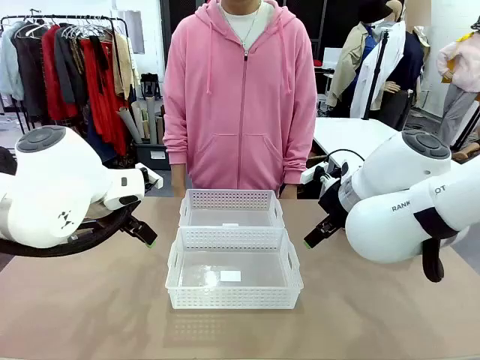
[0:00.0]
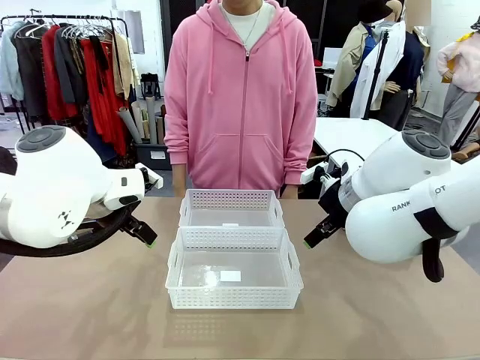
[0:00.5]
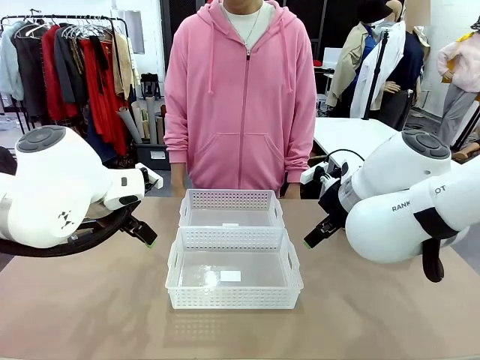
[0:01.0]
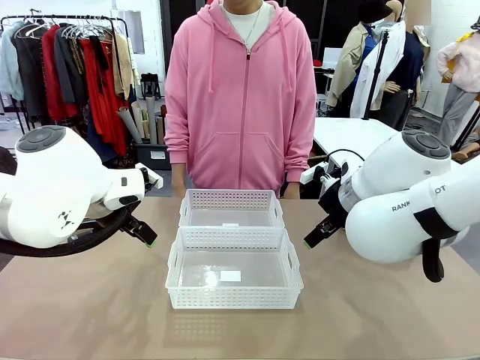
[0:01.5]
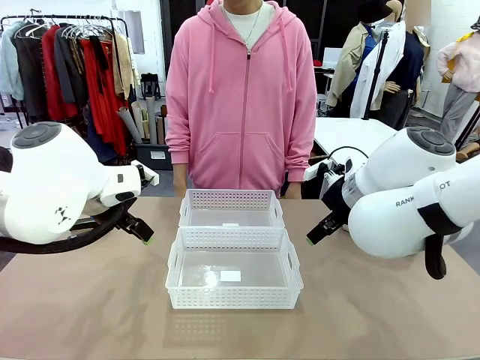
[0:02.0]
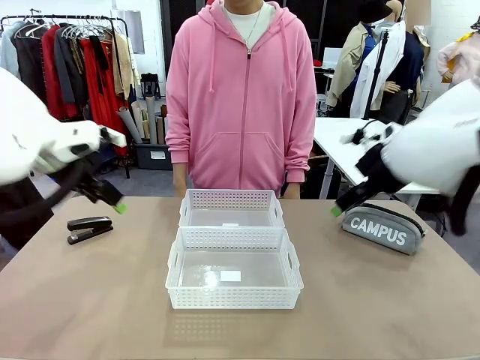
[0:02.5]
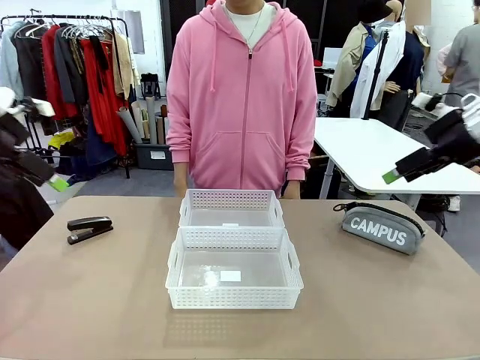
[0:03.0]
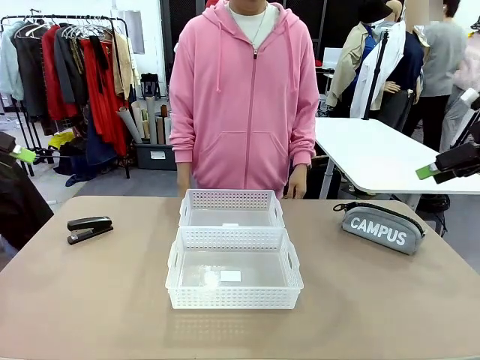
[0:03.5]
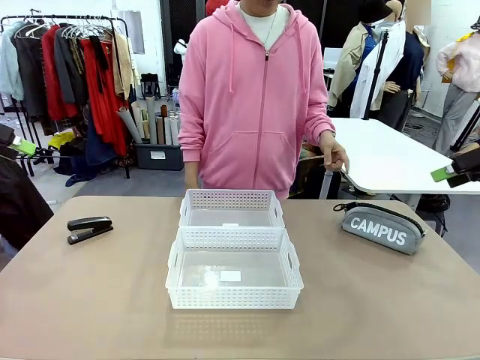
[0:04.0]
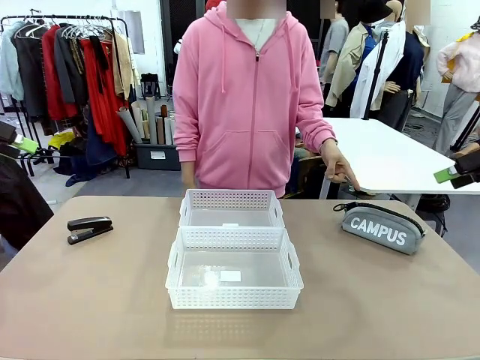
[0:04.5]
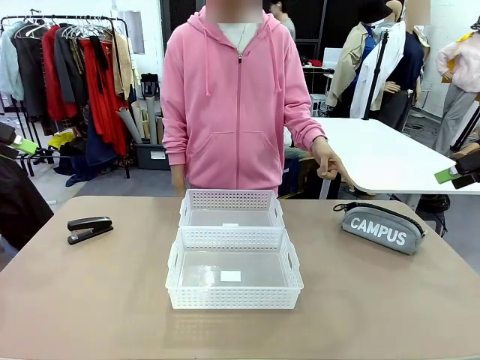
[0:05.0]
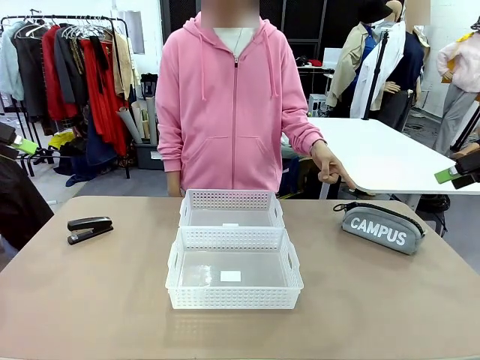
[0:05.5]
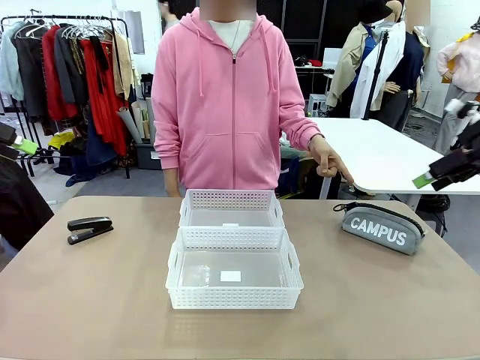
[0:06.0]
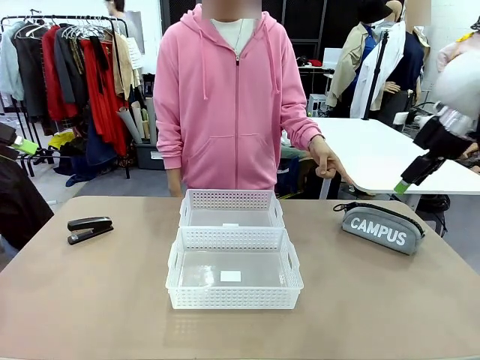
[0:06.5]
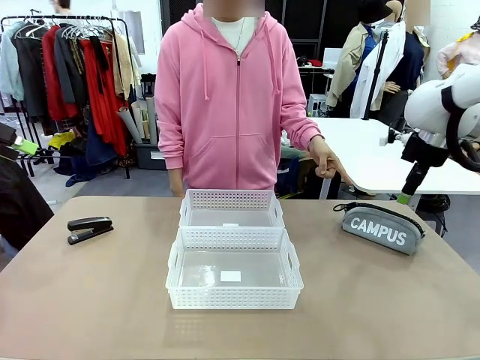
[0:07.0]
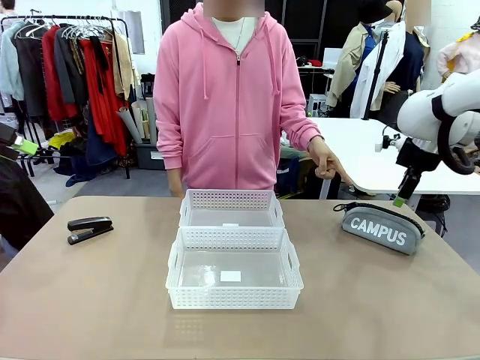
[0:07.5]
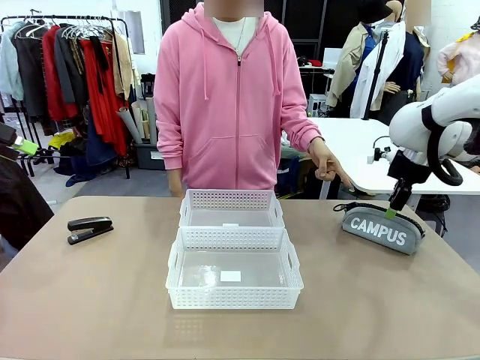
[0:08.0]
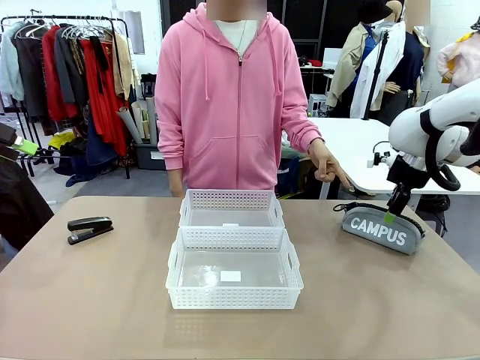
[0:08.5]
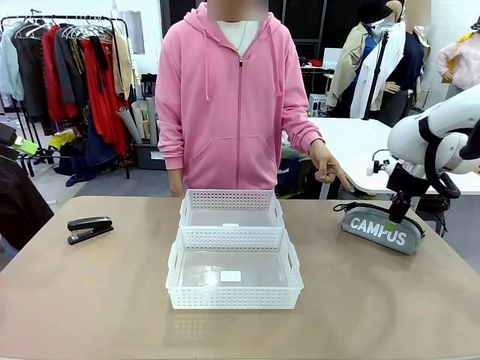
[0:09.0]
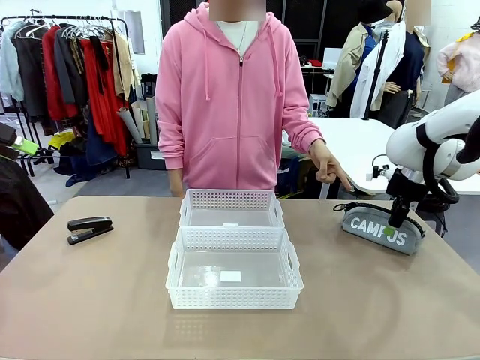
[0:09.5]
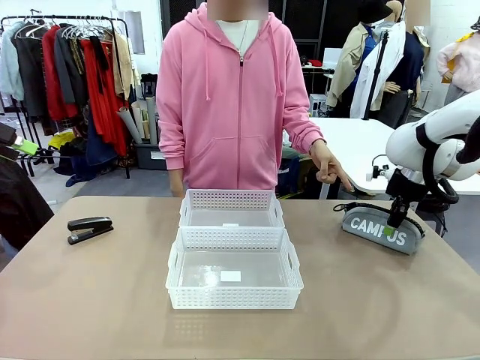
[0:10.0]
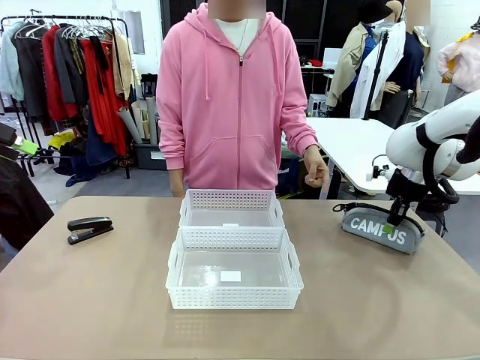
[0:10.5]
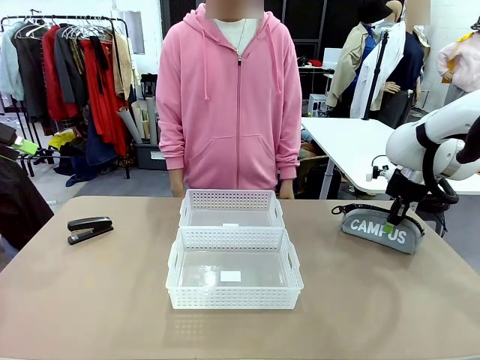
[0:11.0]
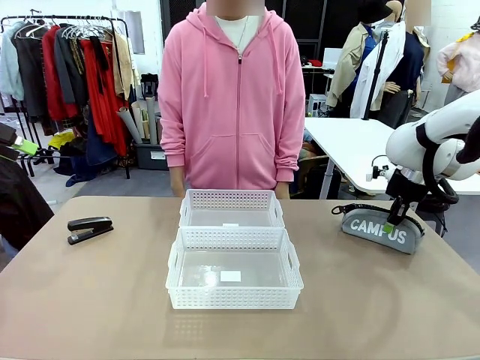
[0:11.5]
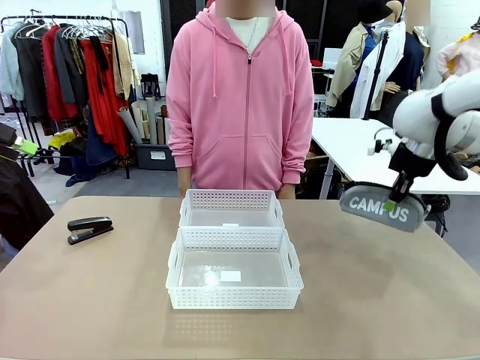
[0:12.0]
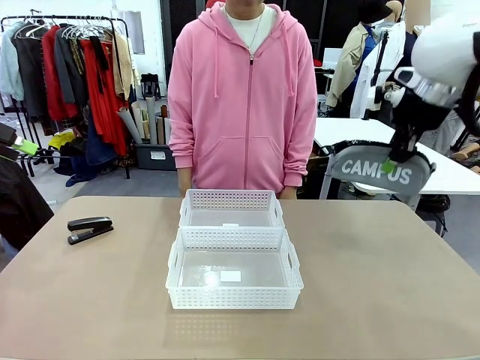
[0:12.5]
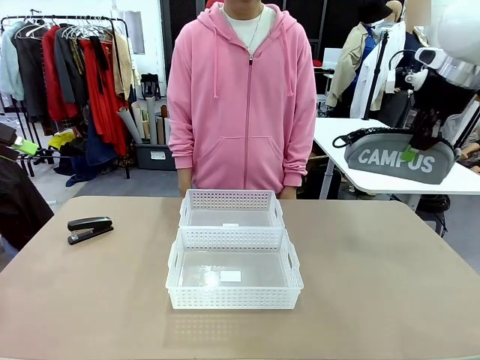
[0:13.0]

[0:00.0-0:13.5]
Task: Distribute items into two baskets.
Robot: Pick up the Pencil pouch that the person points to.
Person: Points to the pencil case. Points between the two organizing baskets and instructs the robot to move the pencil case.

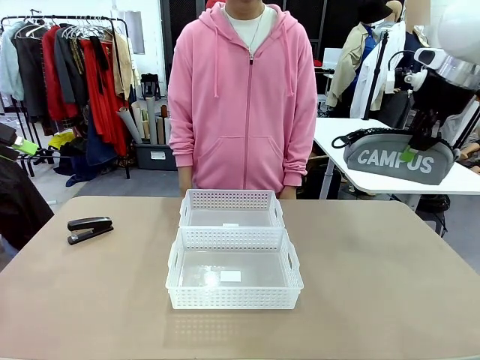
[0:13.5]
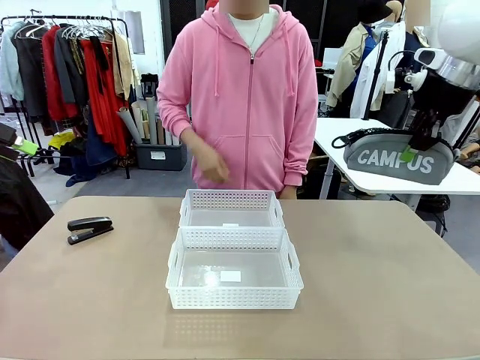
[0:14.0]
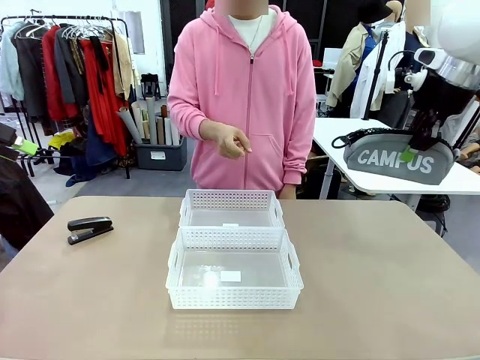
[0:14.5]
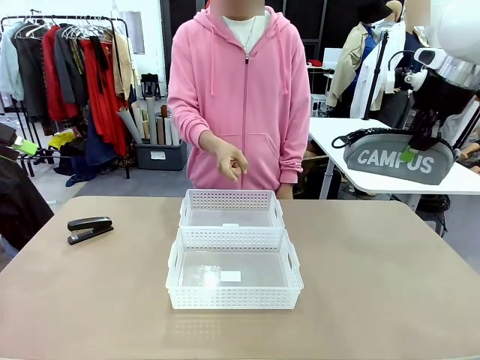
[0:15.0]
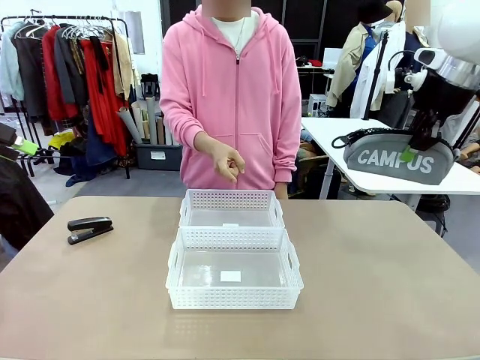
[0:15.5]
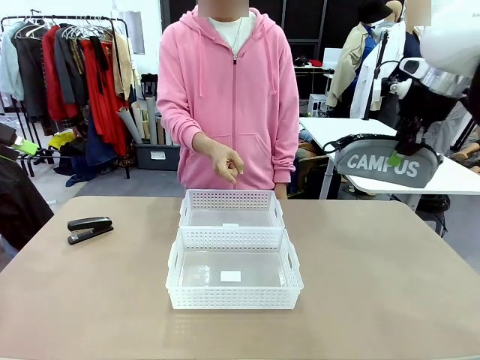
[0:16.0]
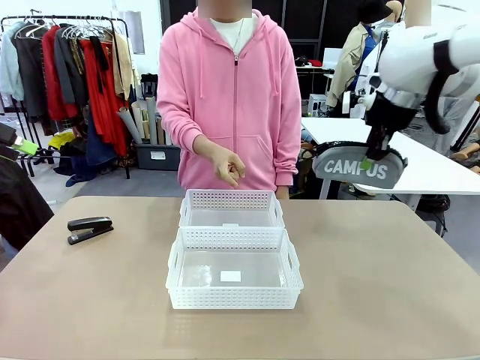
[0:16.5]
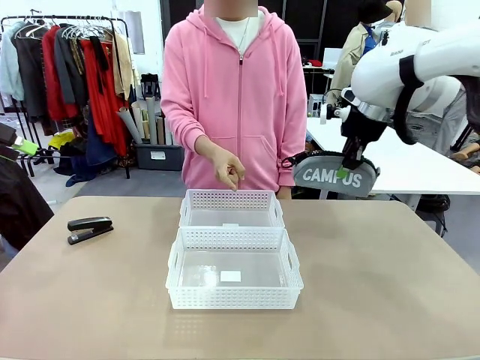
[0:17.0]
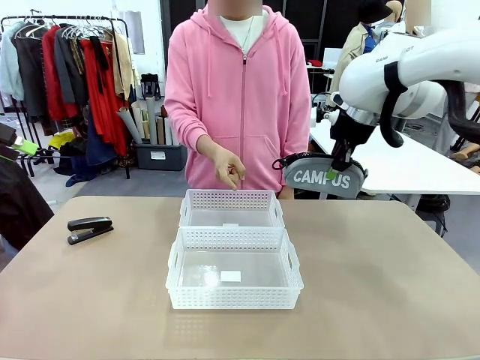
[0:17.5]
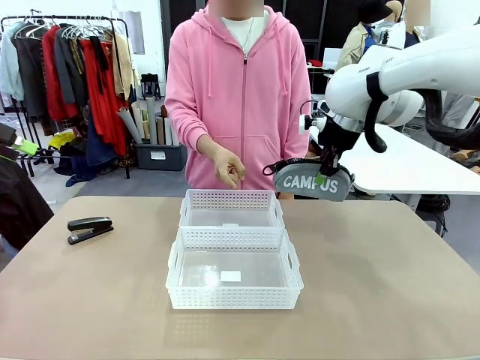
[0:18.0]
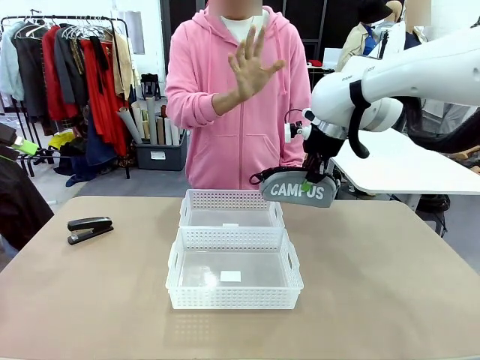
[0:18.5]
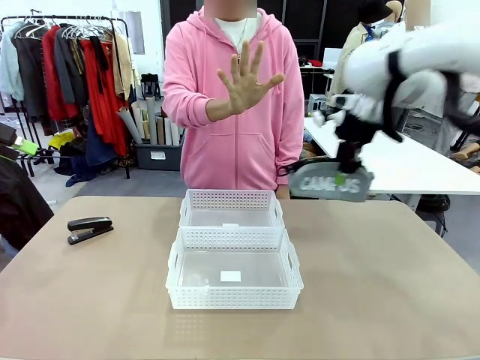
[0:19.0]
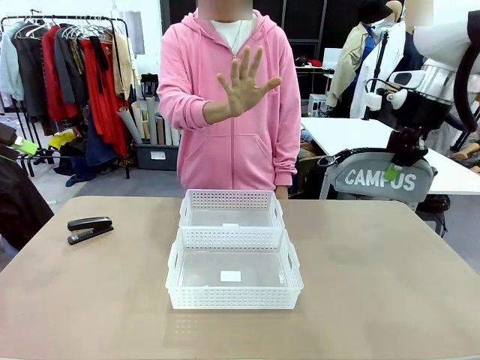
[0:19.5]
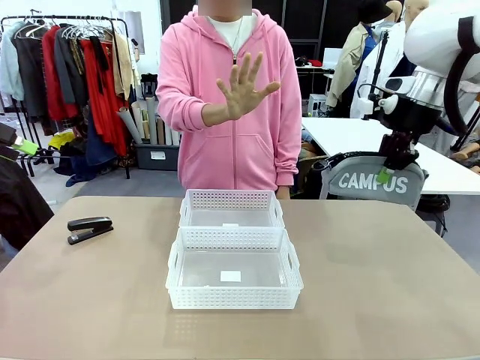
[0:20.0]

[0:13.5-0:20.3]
Robot: Move the picked Pencil pouch towards the Organizing basket indicated by the person, stopping as directed.
Person: Sends a stop gesture before the robot places the pencil case into the basket.

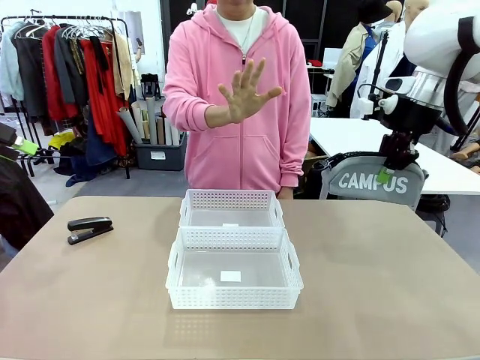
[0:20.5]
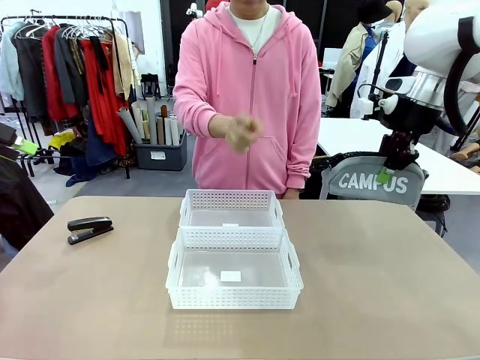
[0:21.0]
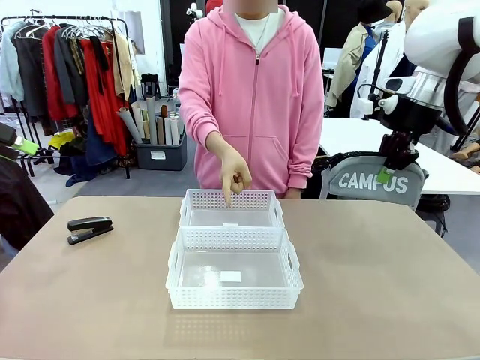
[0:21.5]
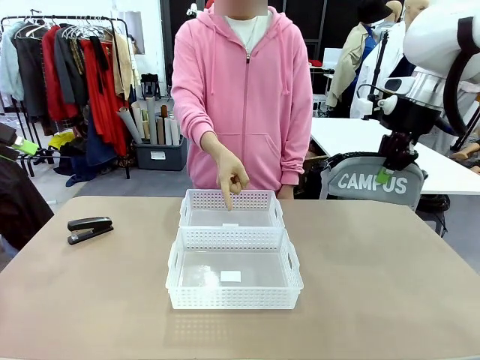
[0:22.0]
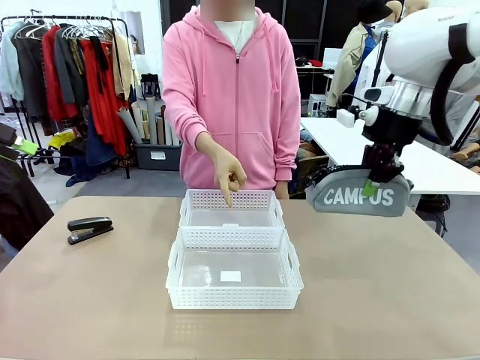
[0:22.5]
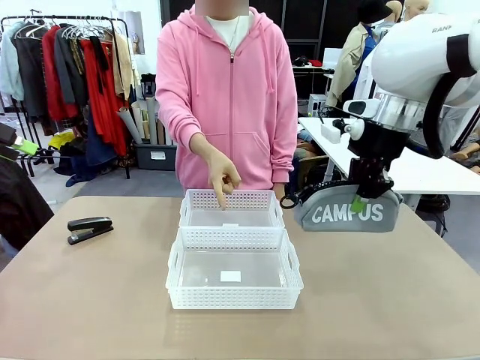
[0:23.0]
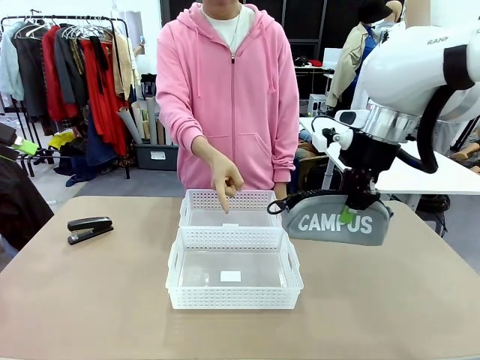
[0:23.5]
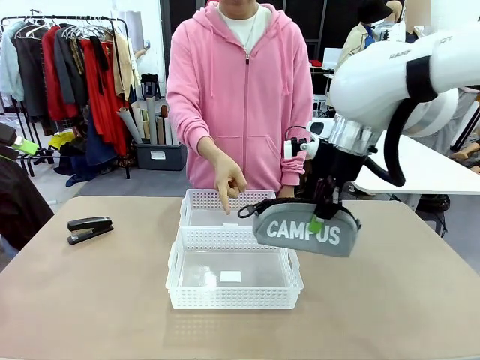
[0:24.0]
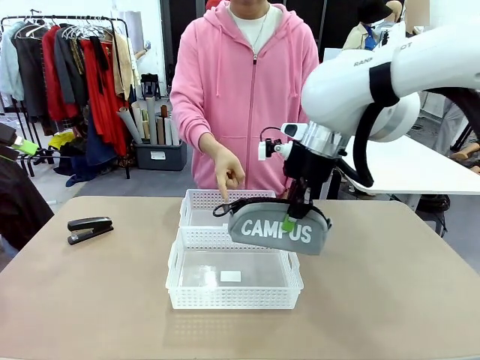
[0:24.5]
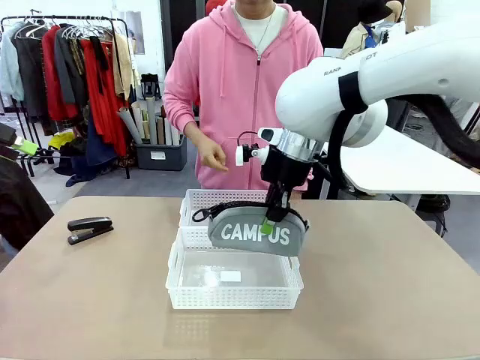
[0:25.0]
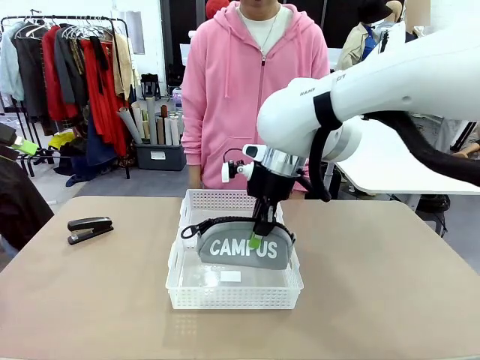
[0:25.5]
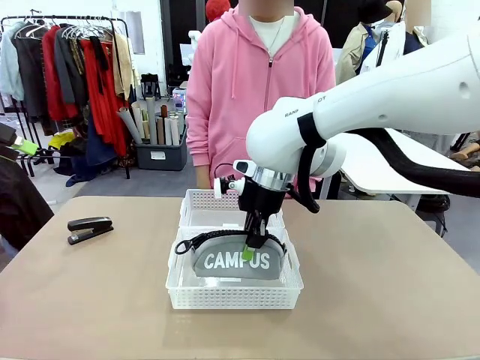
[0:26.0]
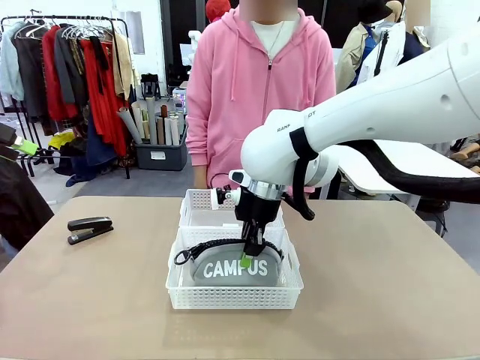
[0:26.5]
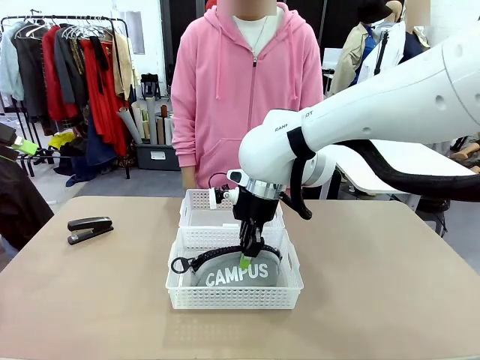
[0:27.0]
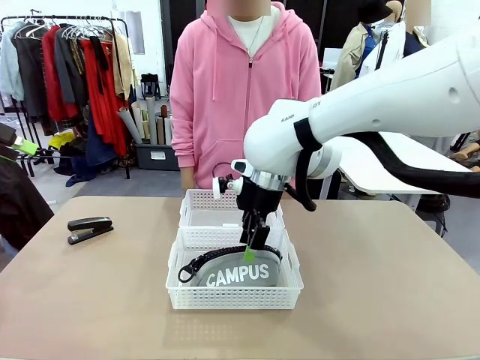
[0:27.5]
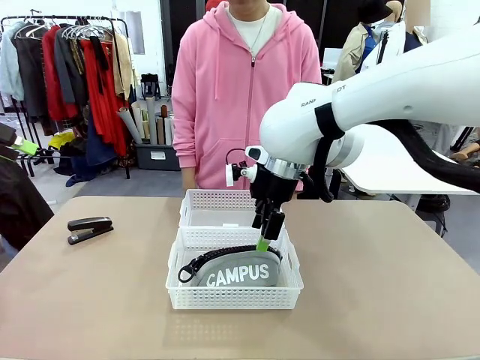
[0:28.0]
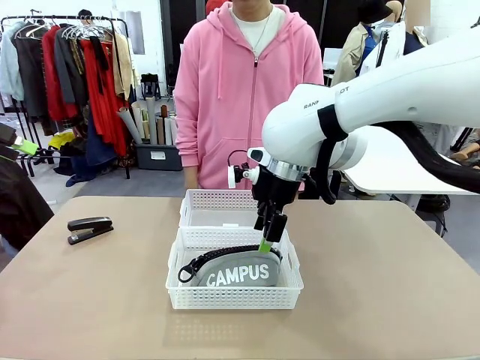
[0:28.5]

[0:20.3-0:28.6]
Robot: Place the picked Pencil pouch into the Organizing basket as instructed by the person.
Person: Instructs the robot to place the pencil case into the opposite basket. Points to the stapler.
